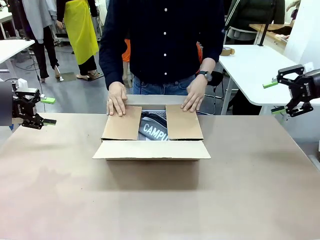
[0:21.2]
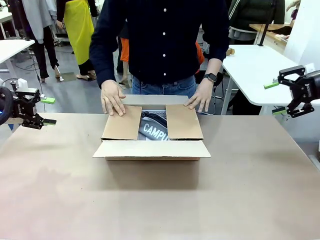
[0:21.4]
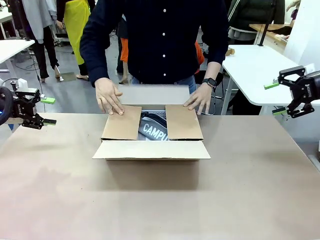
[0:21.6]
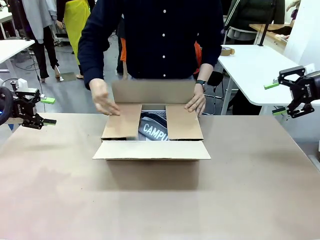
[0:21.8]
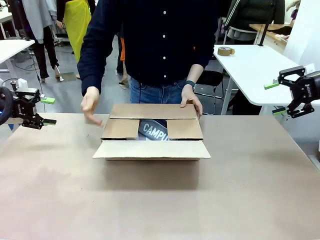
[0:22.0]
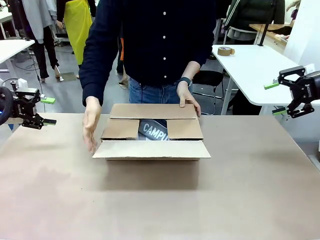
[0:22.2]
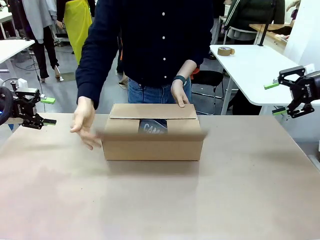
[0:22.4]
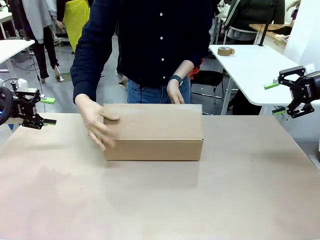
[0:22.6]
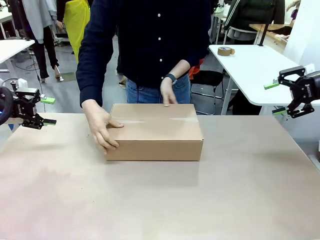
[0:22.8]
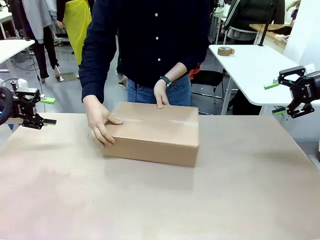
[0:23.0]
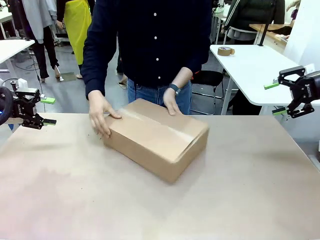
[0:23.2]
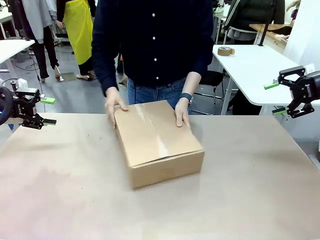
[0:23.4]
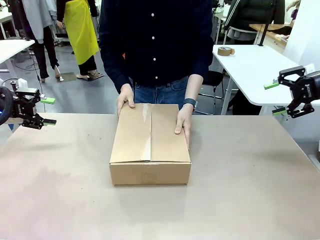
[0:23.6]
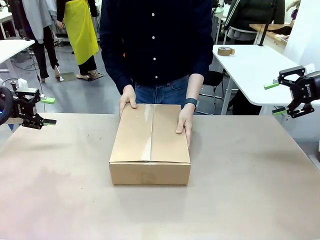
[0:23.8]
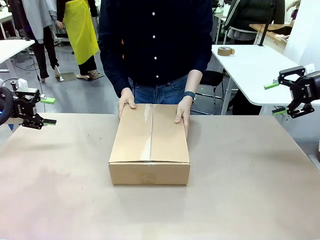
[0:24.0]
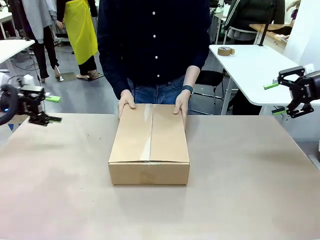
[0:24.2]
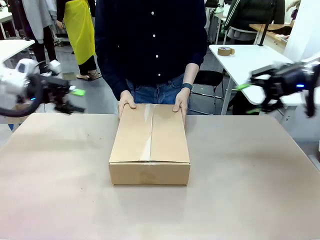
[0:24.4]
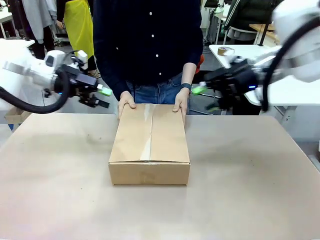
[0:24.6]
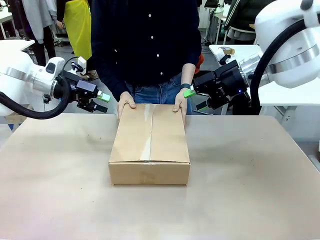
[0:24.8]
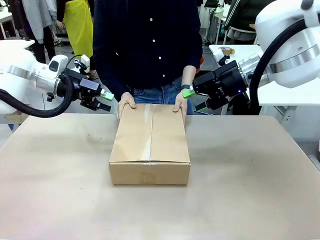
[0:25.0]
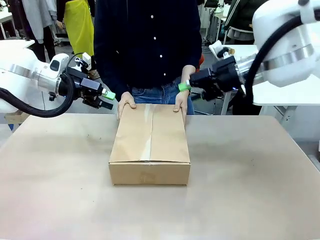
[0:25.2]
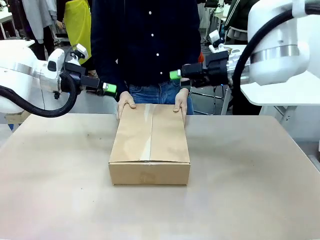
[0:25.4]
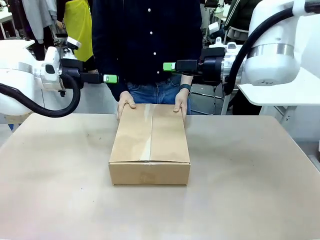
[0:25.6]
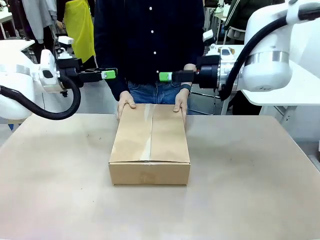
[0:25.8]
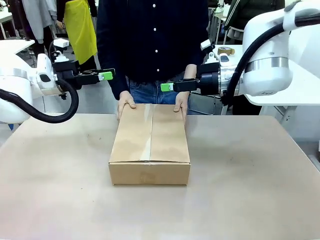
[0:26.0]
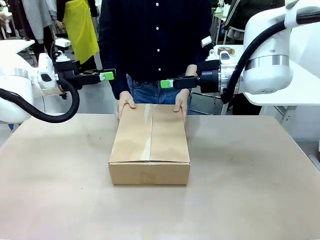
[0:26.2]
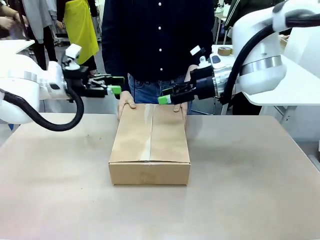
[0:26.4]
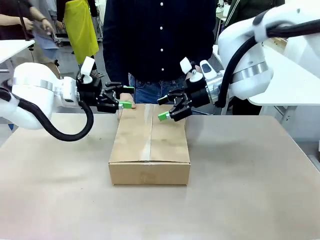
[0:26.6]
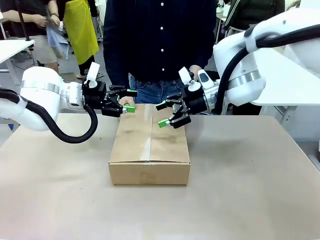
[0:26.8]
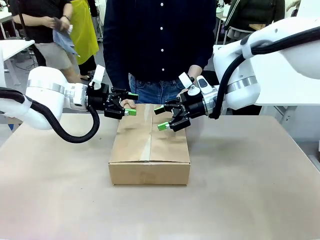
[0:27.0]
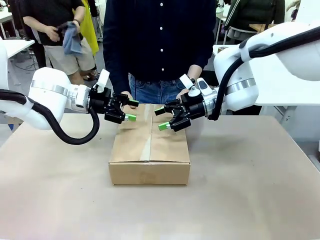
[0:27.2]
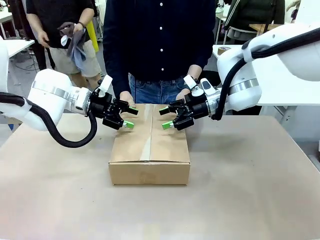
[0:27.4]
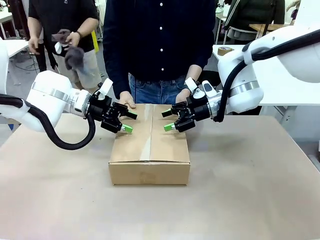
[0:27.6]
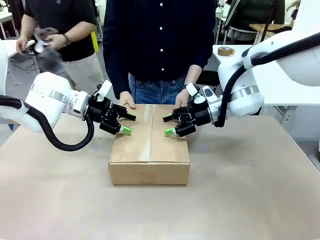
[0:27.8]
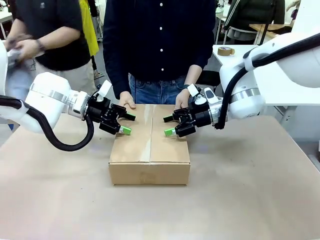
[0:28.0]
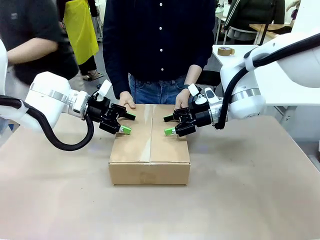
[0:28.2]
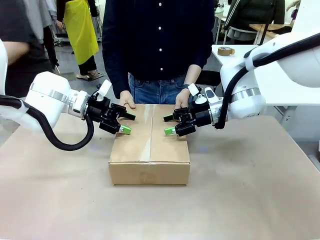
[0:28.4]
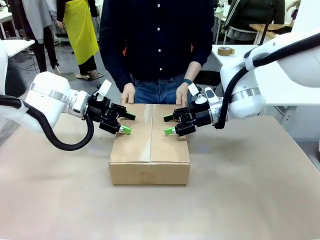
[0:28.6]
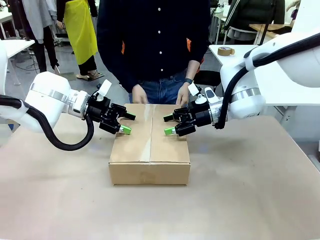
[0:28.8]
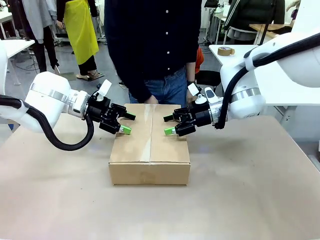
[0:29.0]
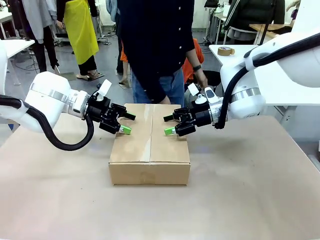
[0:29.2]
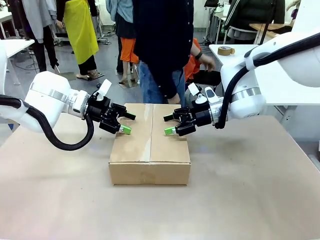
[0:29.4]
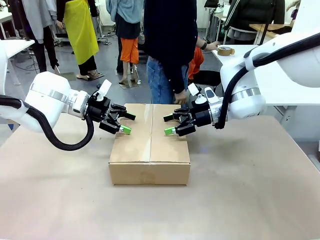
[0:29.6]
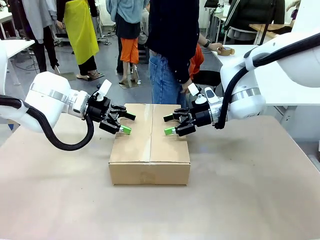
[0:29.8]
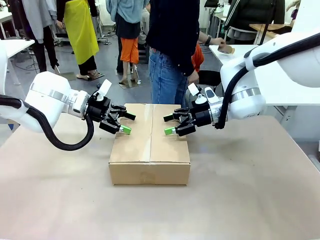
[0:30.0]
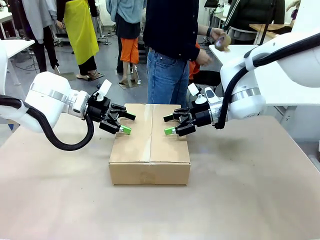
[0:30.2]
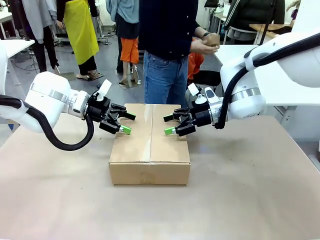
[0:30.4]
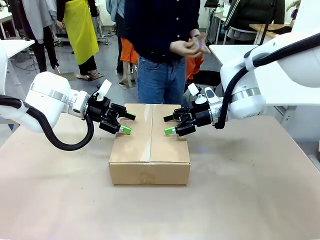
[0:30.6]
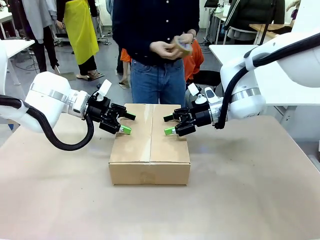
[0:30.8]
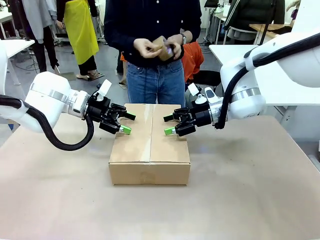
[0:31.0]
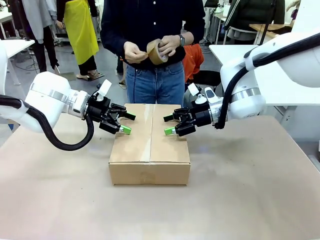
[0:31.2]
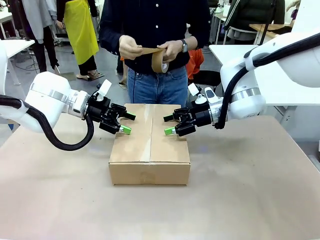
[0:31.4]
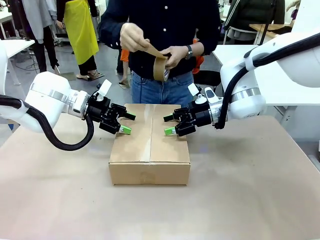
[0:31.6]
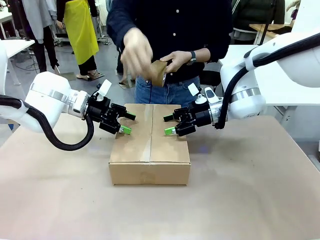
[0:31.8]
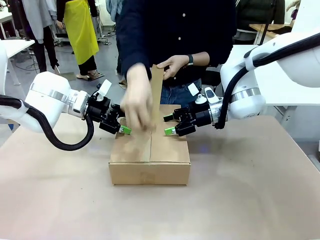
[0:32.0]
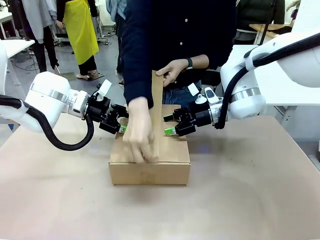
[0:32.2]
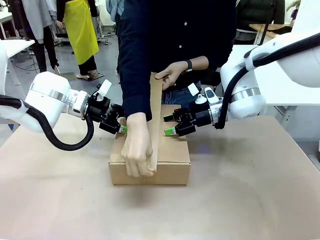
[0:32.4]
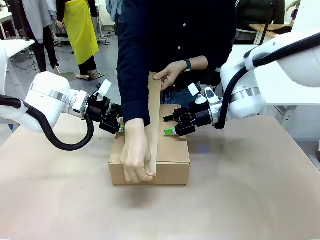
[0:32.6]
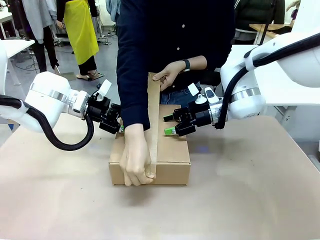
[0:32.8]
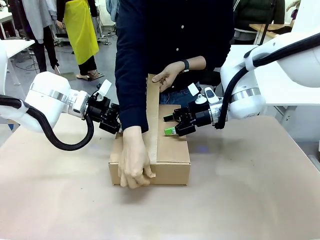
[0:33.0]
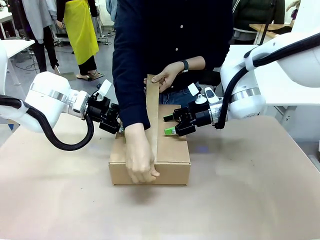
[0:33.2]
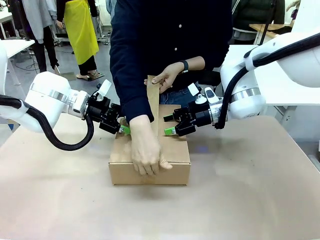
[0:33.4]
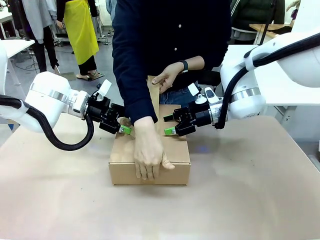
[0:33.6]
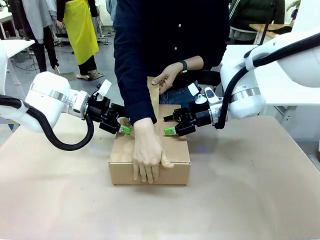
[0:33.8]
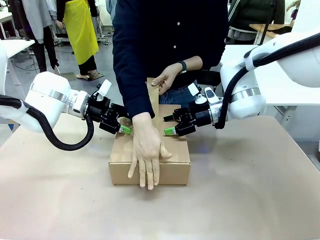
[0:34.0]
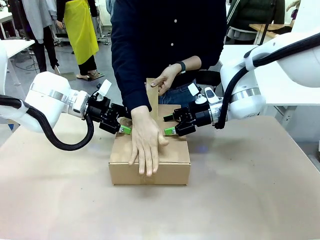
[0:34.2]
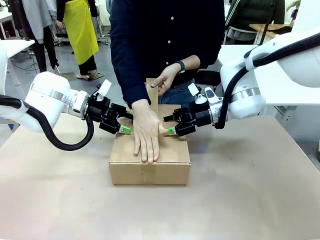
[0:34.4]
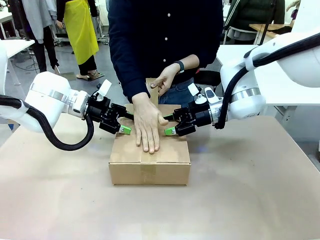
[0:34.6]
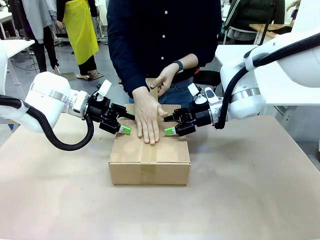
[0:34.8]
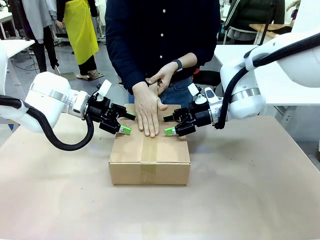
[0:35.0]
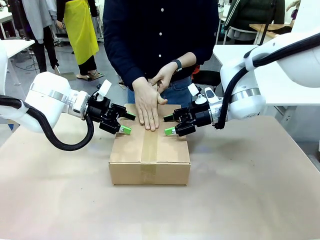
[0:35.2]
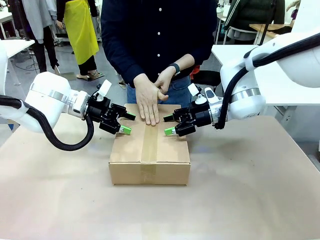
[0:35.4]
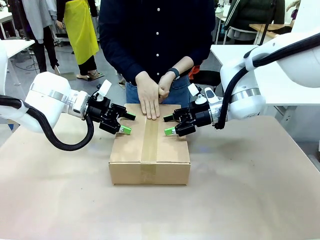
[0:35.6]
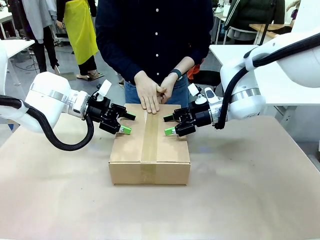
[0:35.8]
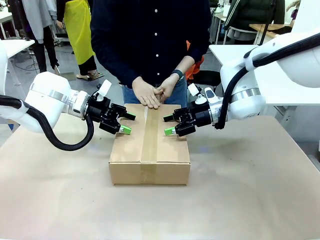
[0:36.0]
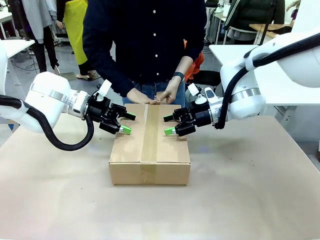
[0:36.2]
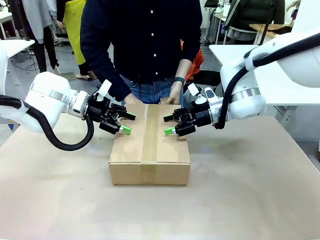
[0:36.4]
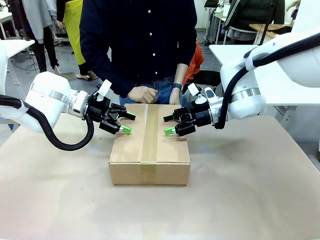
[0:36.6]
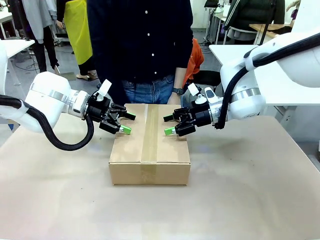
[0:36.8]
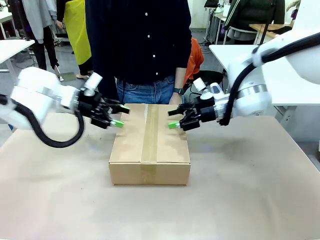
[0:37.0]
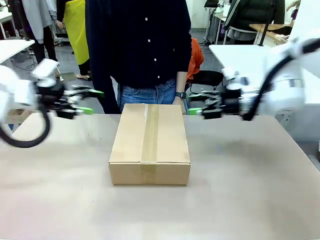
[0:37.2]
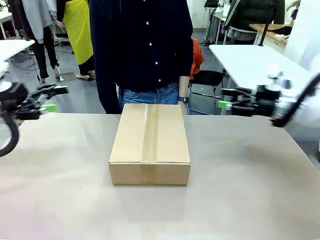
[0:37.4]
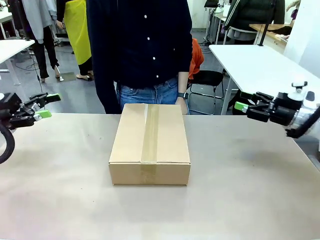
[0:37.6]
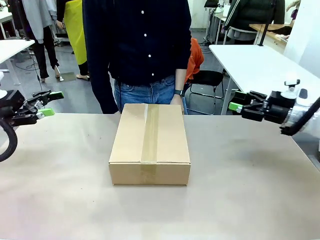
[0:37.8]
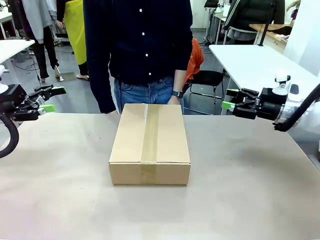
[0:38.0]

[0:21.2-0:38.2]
Task: Pack the gift set into the box.
Robot: Press and hold the closed box until the human finishes sealing it.
Person: The human closes the box and rotates the box by 90 degrees. The human picks up the paper tape from the human table and packs the box.
